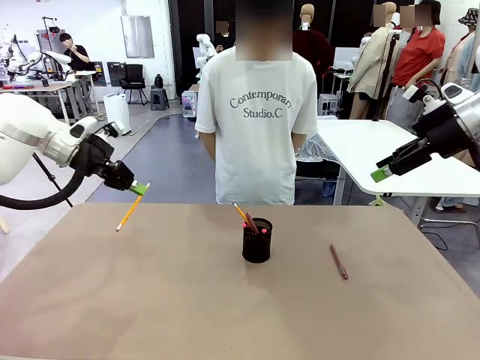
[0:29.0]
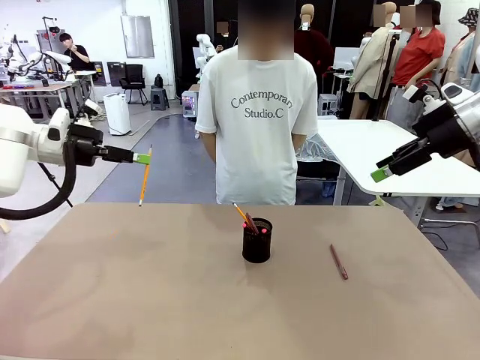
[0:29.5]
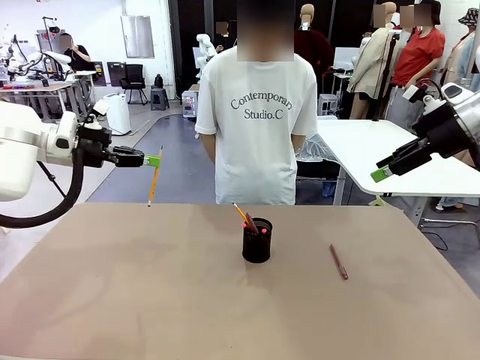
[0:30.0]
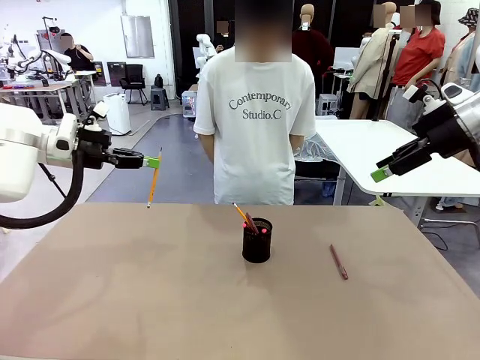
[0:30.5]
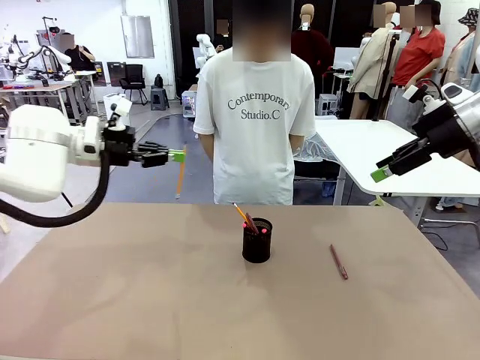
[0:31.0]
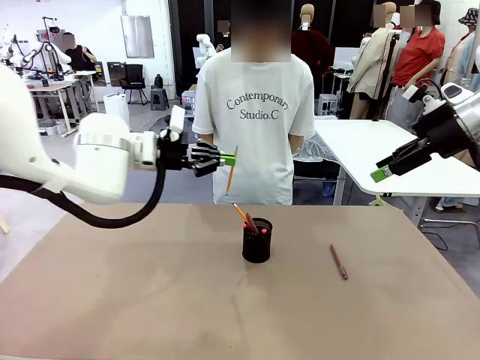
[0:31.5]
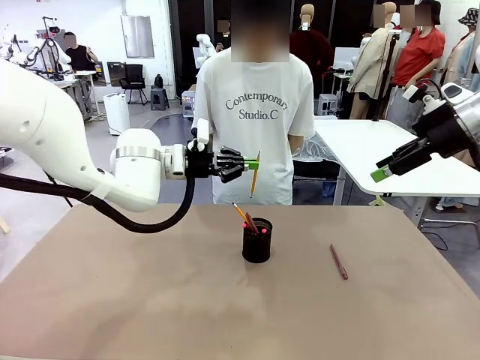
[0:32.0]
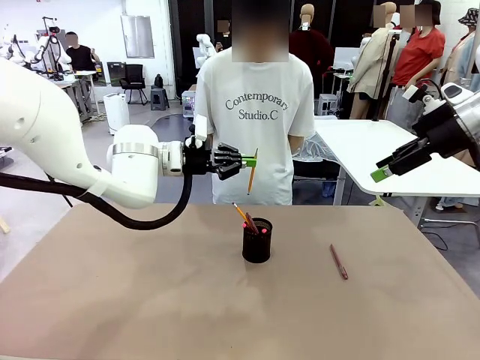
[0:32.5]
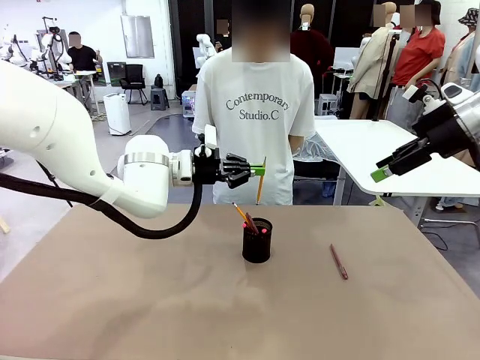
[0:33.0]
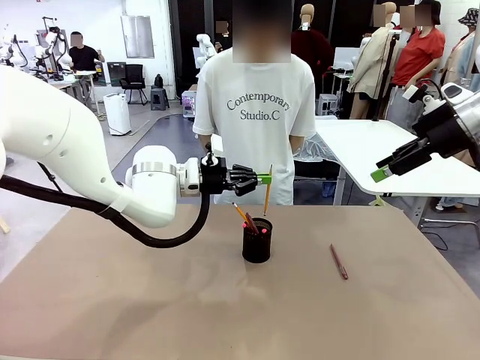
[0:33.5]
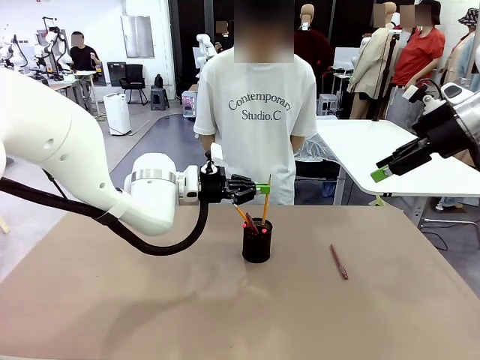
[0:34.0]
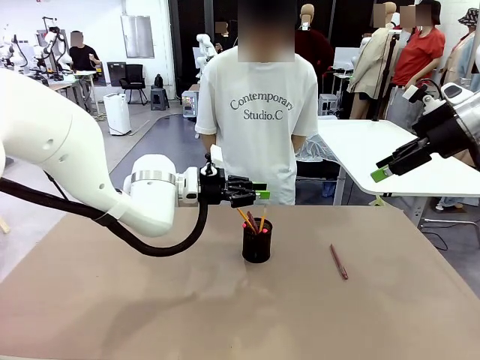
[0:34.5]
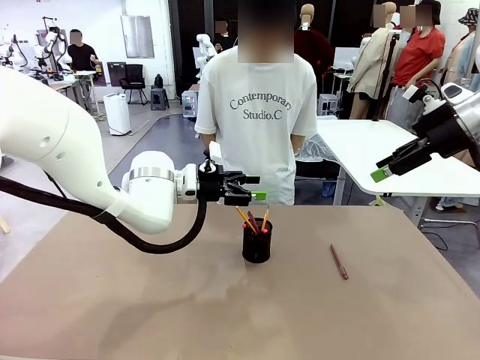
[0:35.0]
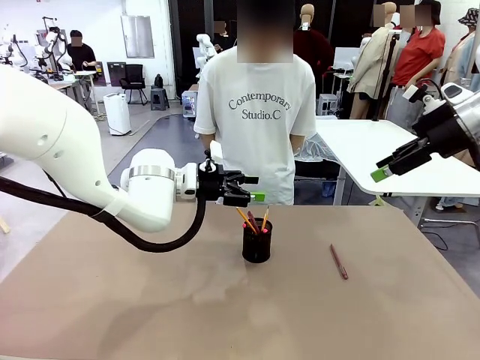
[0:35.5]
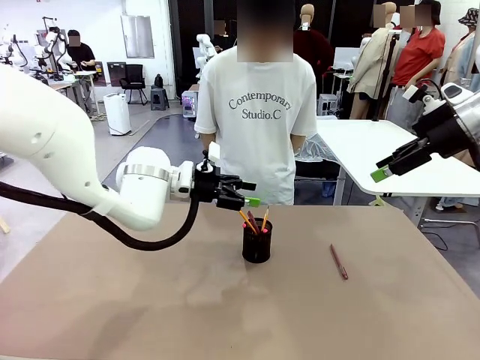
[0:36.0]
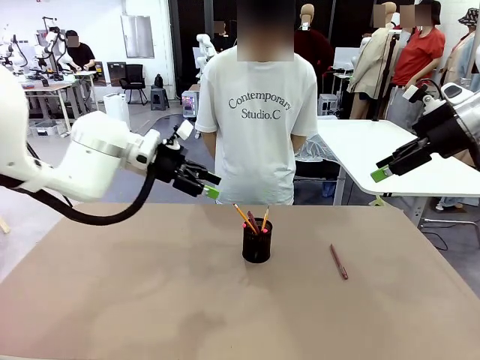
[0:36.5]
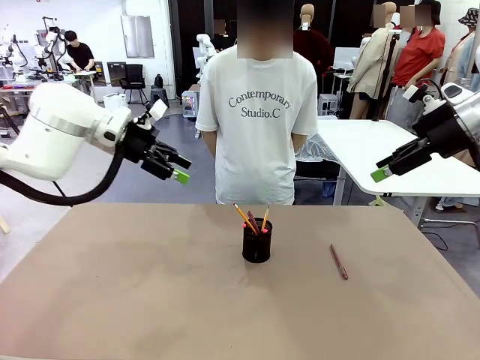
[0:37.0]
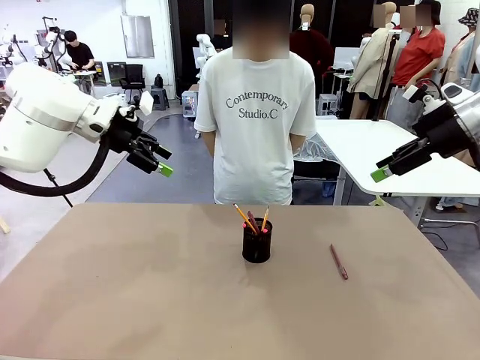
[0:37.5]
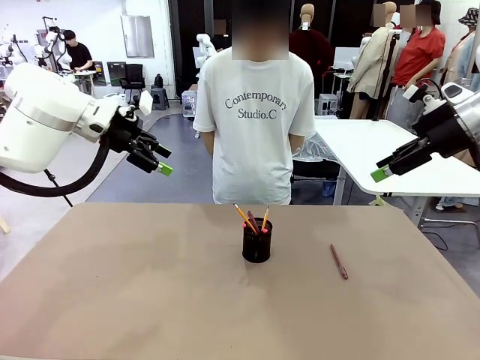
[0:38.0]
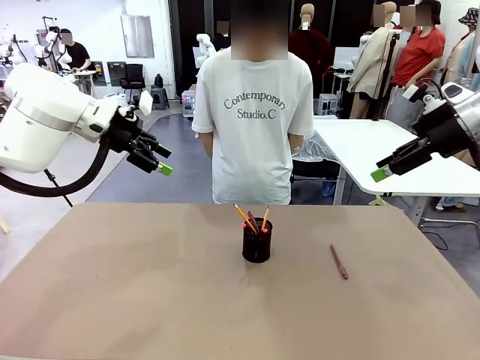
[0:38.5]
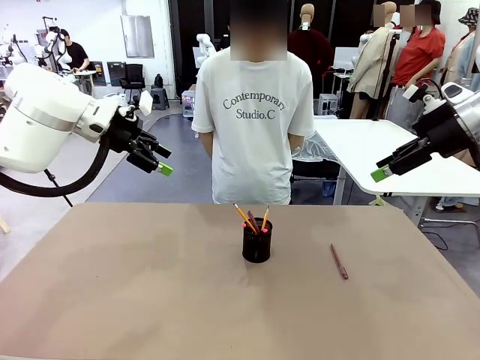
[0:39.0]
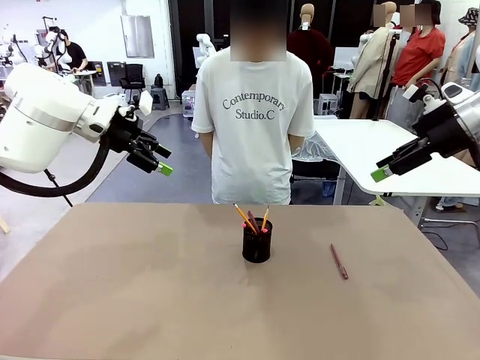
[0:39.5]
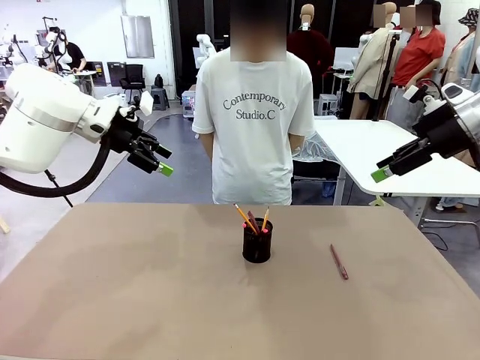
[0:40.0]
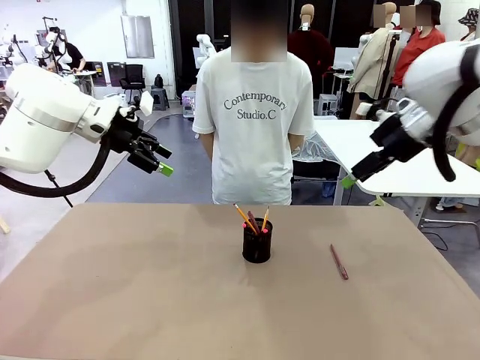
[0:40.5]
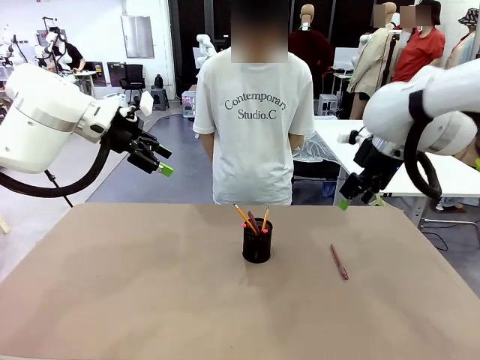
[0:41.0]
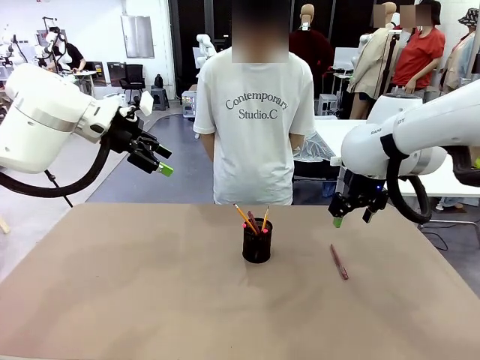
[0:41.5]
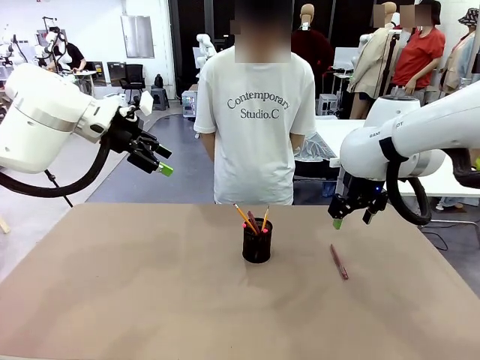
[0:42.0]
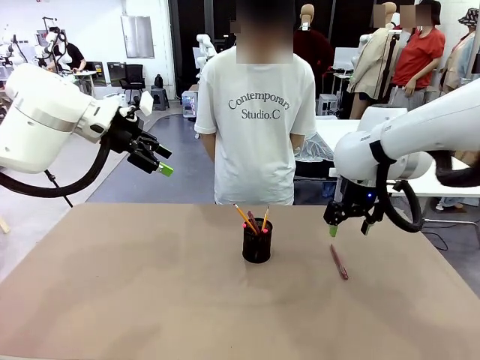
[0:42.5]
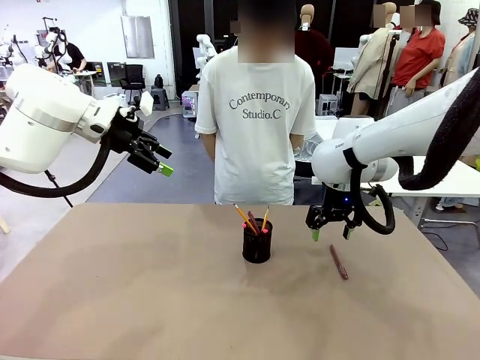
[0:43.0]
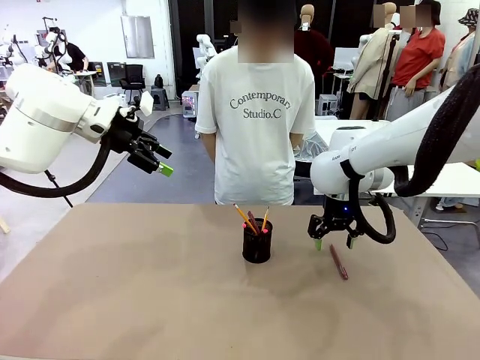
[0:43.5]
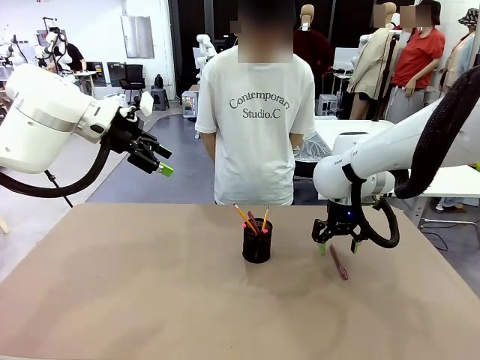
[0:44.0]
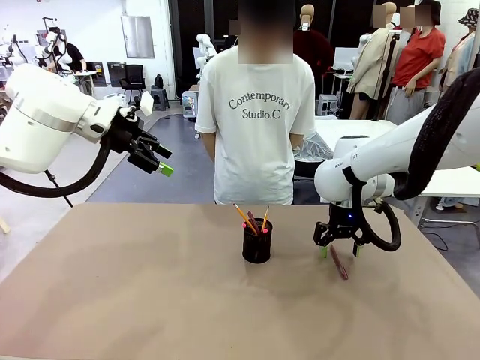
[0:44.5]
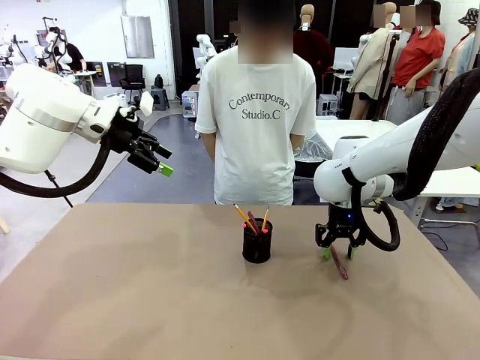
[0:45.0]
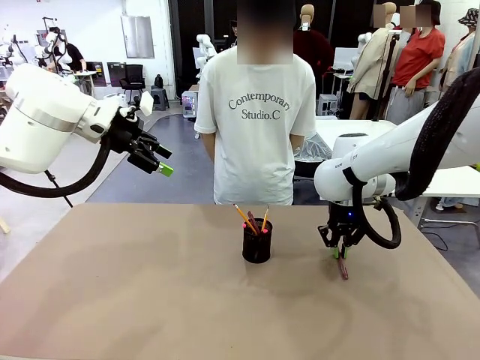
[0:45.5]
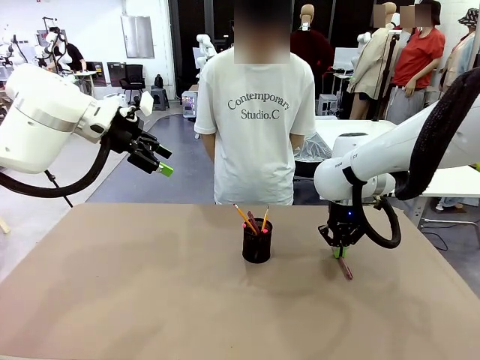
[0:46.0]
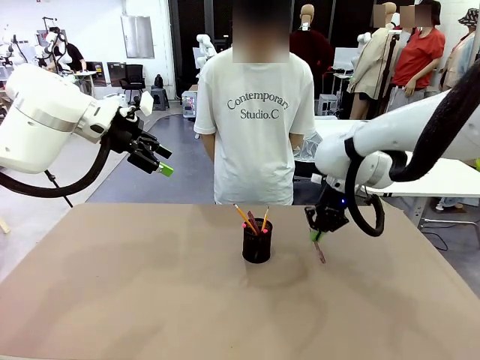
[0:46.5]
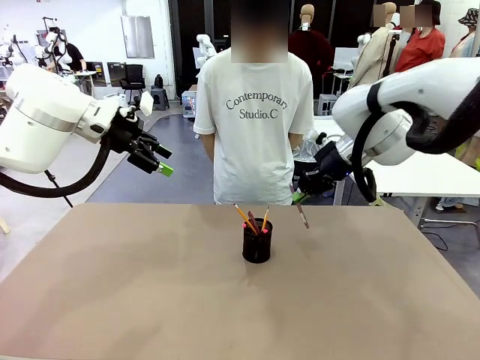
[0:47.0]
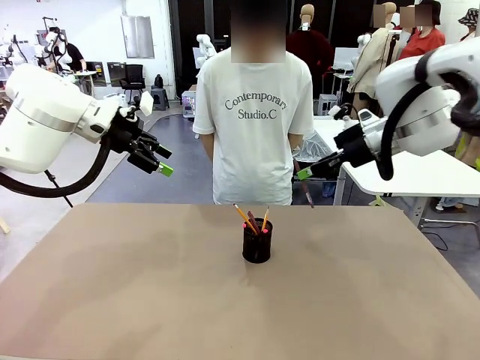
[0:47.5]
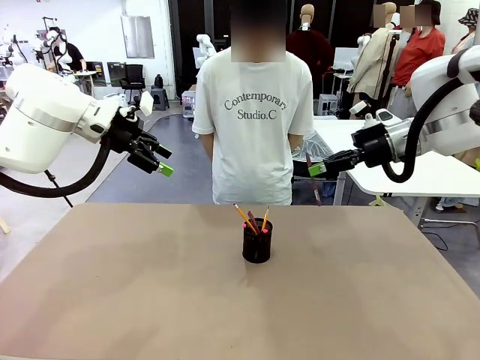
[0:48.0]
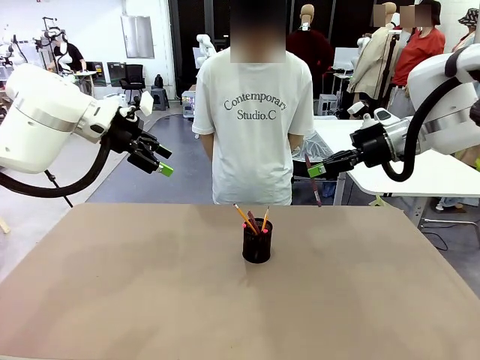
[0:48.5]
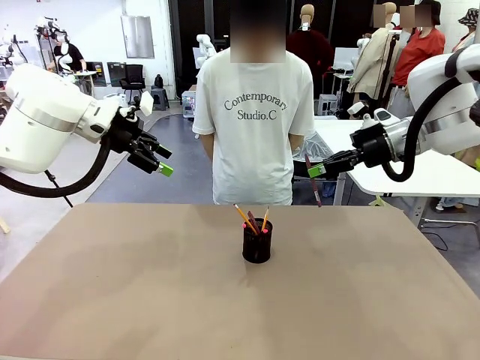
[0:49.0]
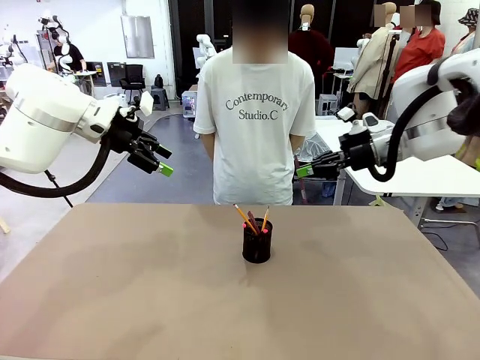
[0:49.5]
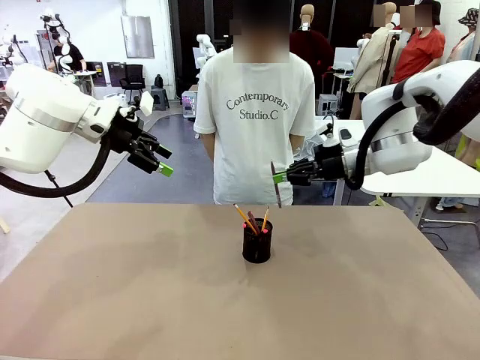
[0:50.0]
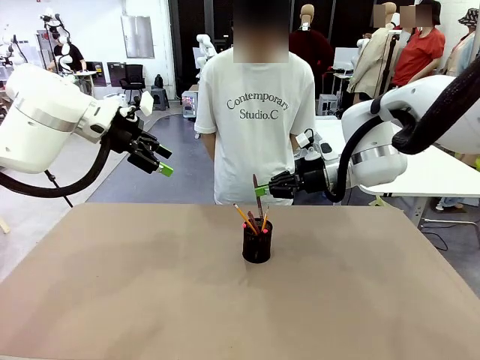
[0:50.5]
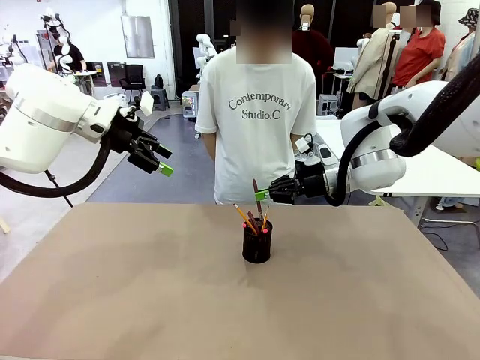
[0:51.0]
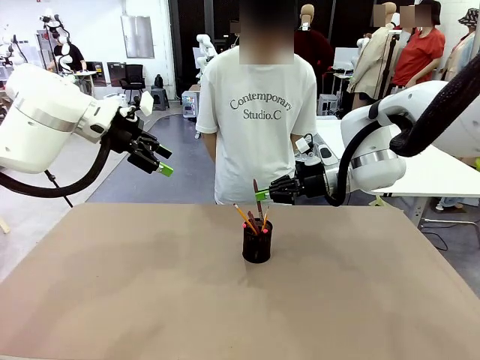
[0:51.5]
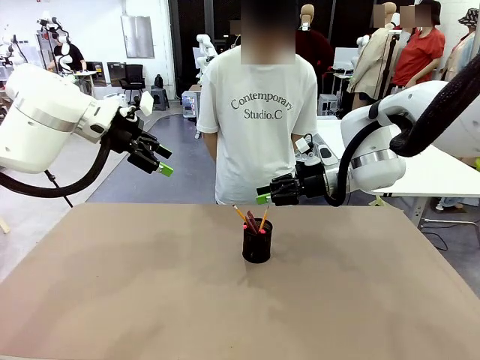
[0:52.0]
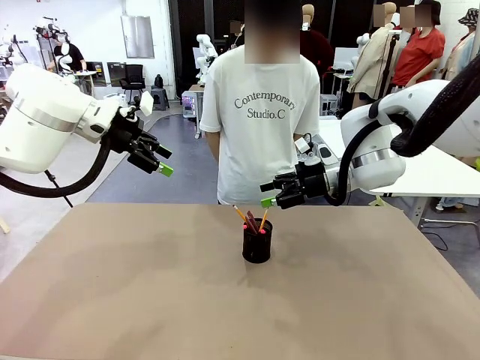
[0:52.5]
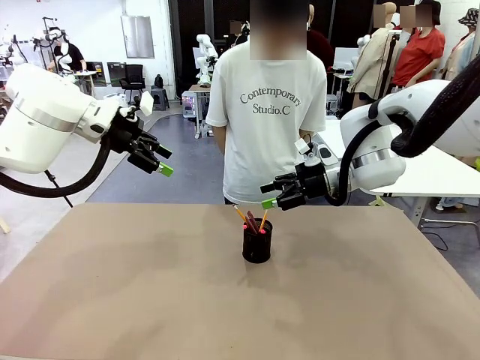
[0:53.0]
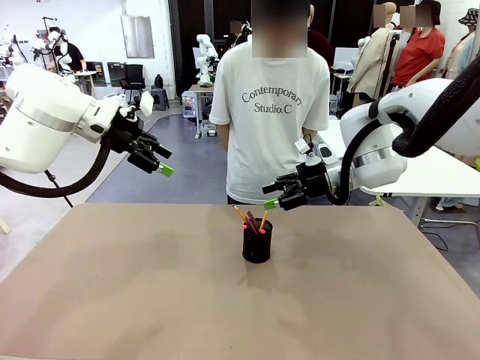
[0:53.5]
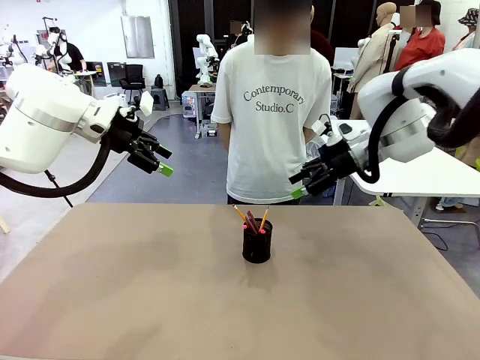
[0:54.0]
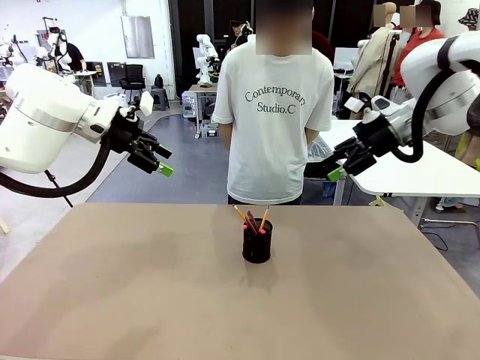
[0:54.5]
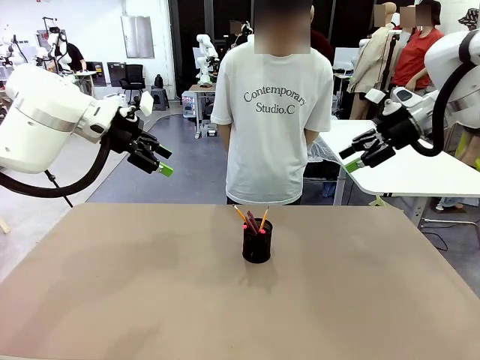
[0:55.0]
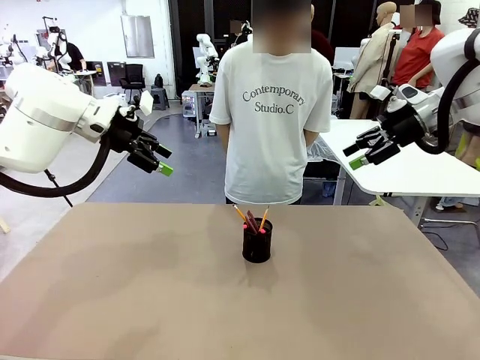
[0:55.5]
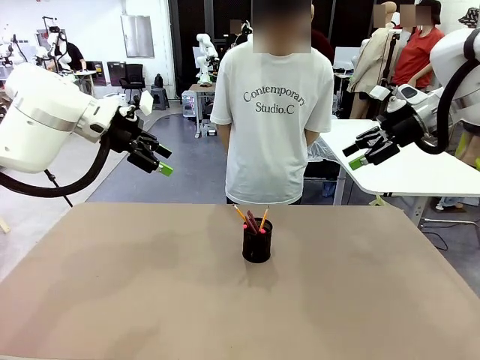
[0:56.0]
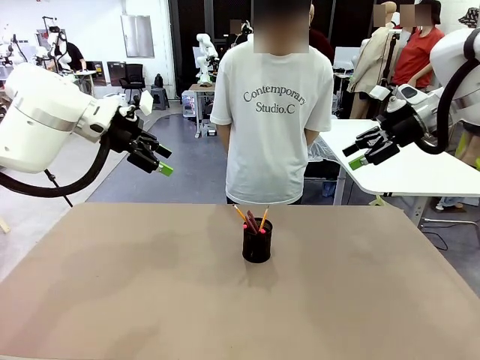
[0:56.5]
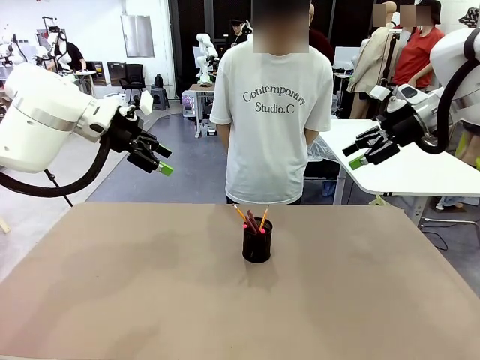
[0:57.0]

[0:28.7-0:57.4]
Task: Place the pens into the pen holder.
Robot: Pick up a writing instrument from the table and place it into the Pen holder.
Person: Place all writing instrument into the Pen holder.
